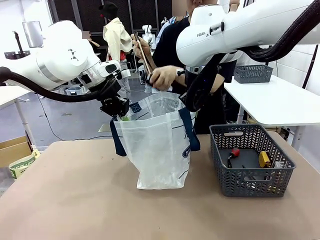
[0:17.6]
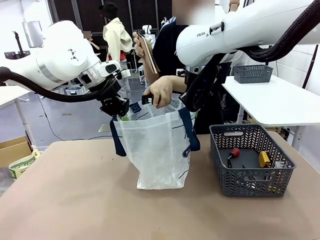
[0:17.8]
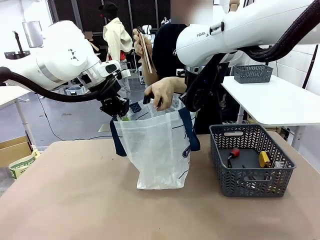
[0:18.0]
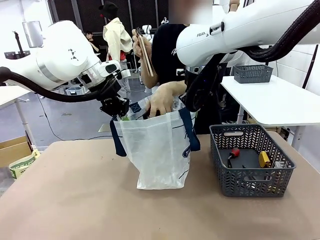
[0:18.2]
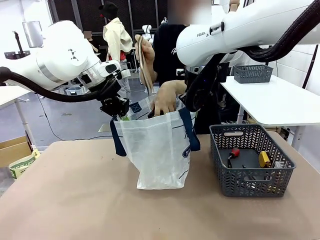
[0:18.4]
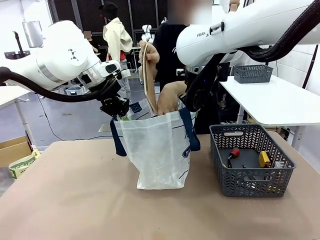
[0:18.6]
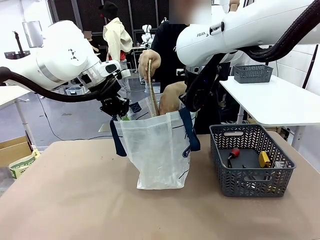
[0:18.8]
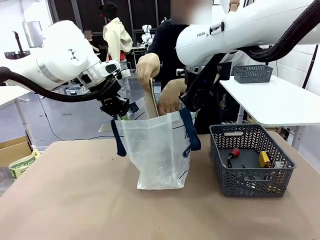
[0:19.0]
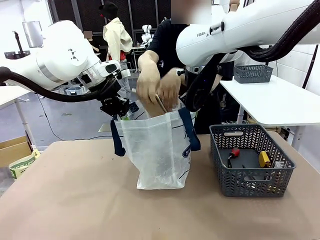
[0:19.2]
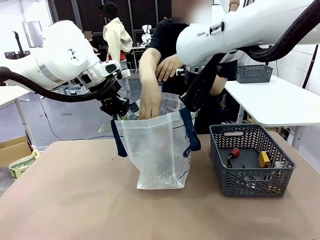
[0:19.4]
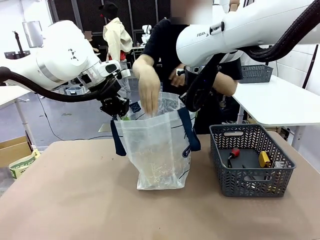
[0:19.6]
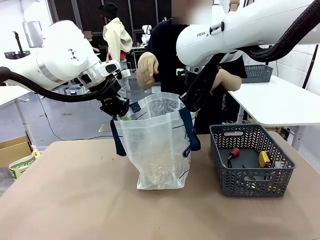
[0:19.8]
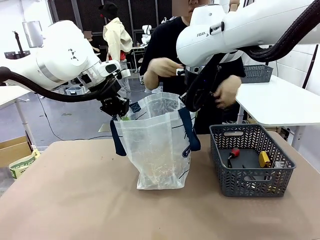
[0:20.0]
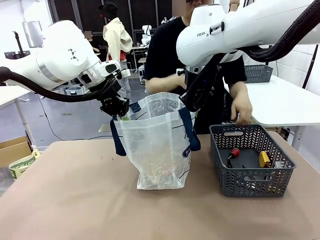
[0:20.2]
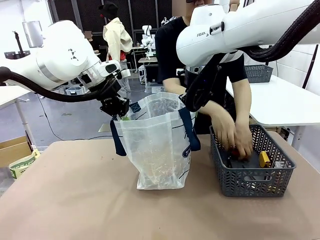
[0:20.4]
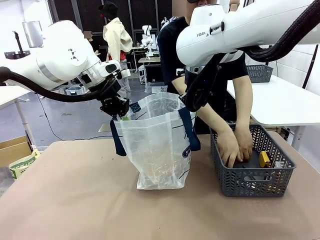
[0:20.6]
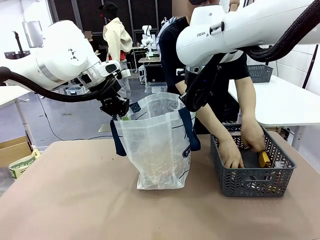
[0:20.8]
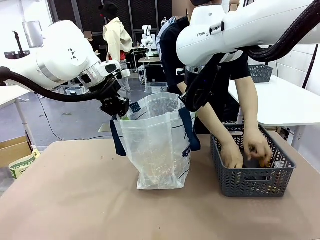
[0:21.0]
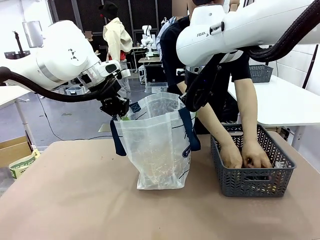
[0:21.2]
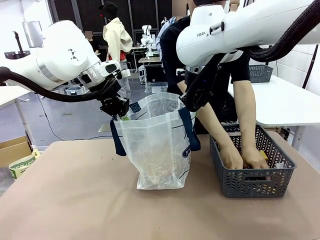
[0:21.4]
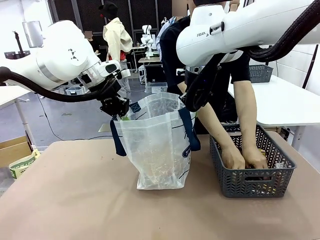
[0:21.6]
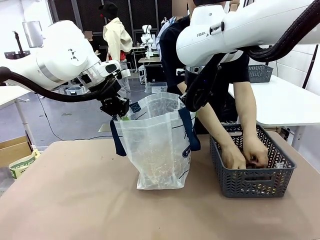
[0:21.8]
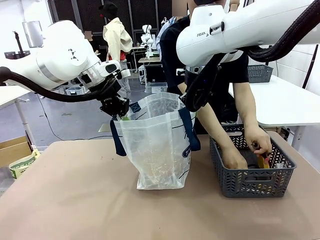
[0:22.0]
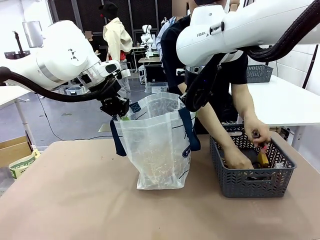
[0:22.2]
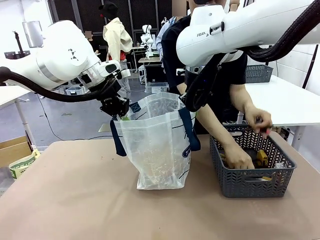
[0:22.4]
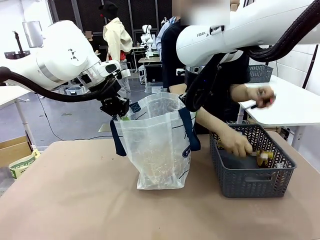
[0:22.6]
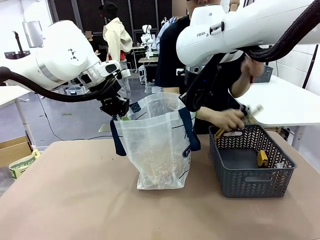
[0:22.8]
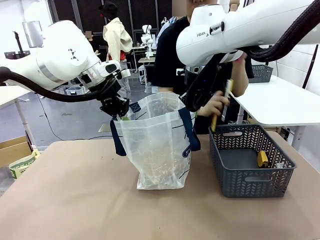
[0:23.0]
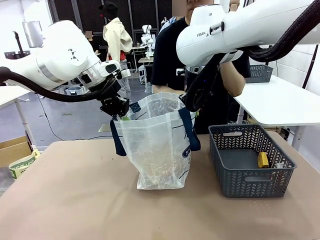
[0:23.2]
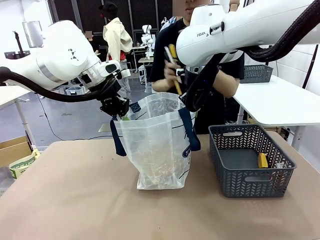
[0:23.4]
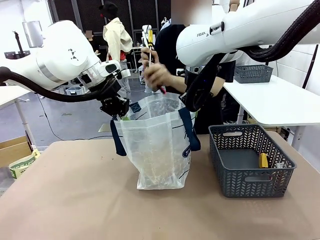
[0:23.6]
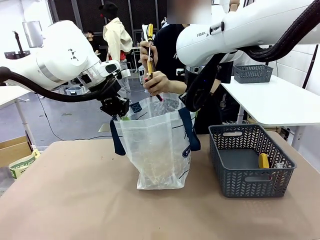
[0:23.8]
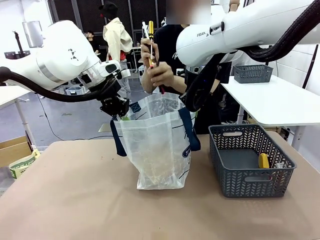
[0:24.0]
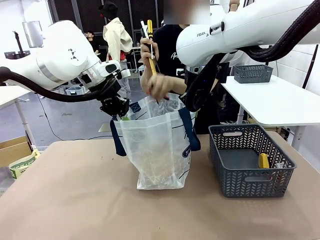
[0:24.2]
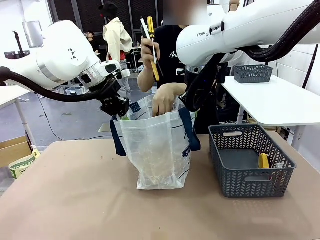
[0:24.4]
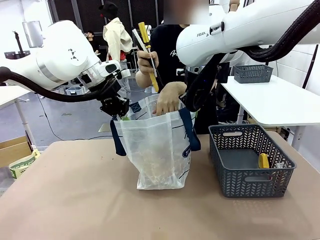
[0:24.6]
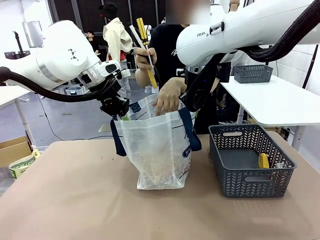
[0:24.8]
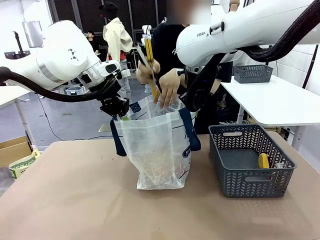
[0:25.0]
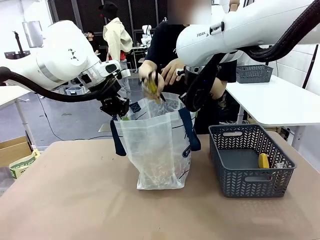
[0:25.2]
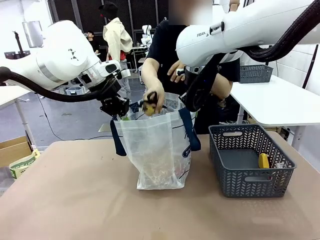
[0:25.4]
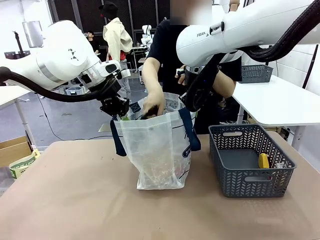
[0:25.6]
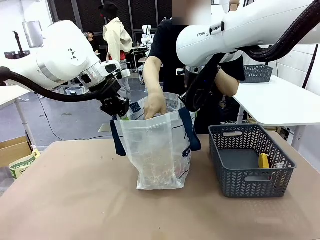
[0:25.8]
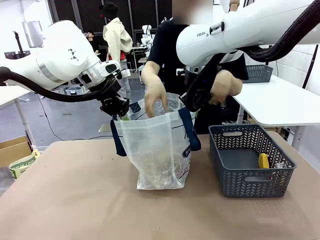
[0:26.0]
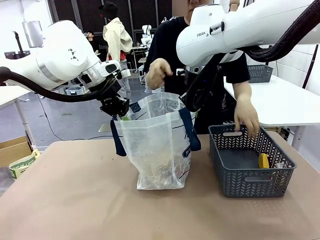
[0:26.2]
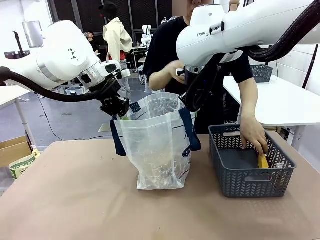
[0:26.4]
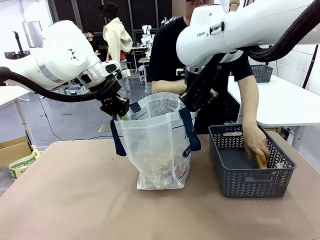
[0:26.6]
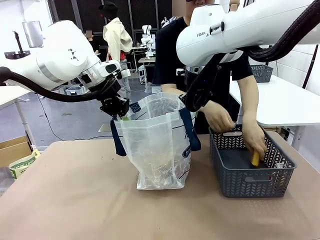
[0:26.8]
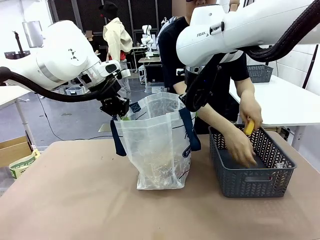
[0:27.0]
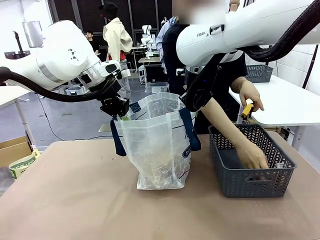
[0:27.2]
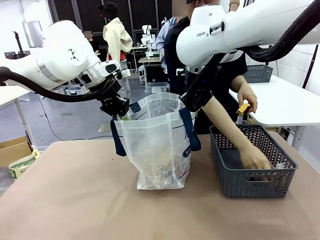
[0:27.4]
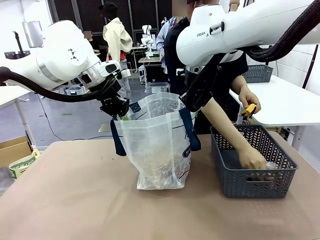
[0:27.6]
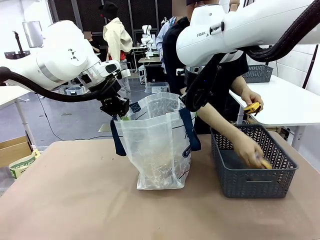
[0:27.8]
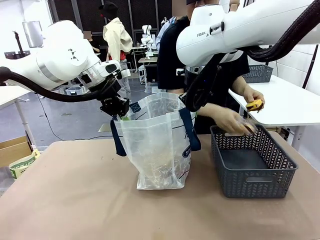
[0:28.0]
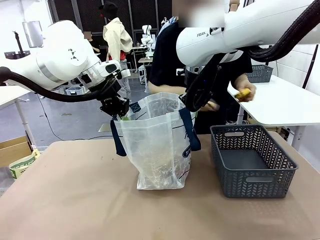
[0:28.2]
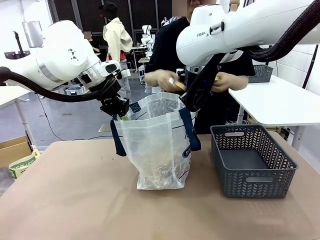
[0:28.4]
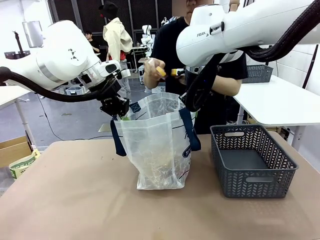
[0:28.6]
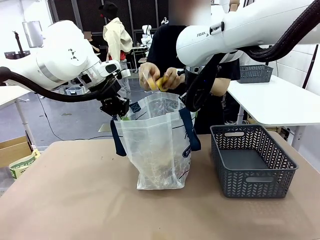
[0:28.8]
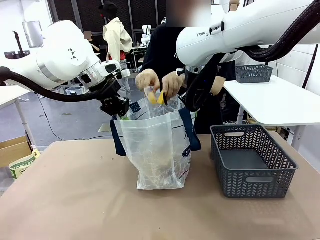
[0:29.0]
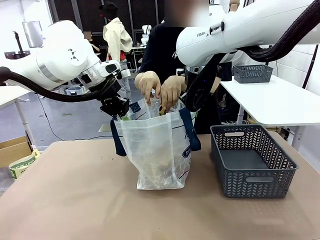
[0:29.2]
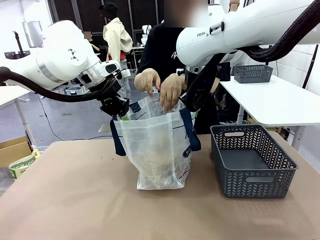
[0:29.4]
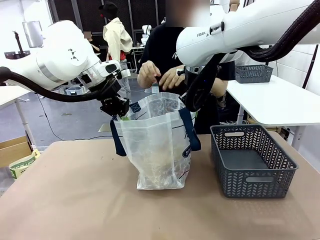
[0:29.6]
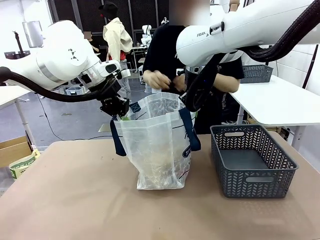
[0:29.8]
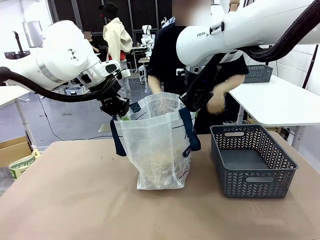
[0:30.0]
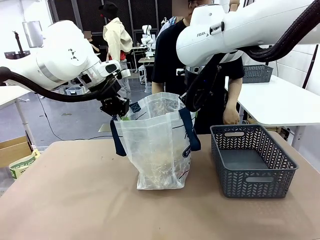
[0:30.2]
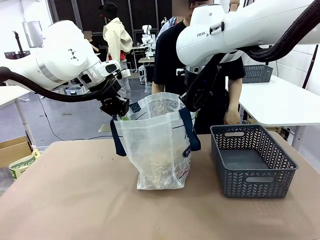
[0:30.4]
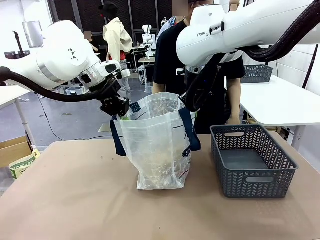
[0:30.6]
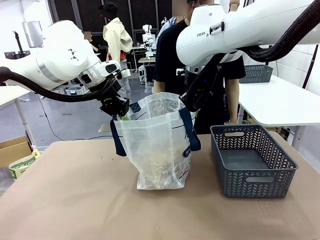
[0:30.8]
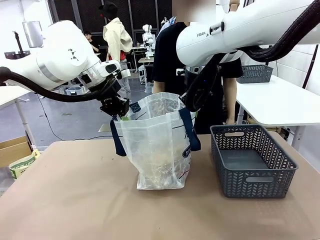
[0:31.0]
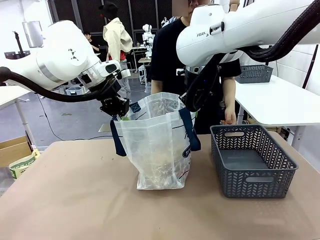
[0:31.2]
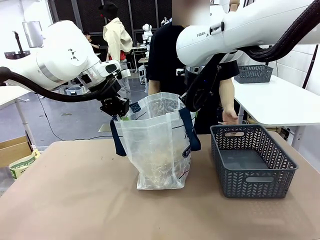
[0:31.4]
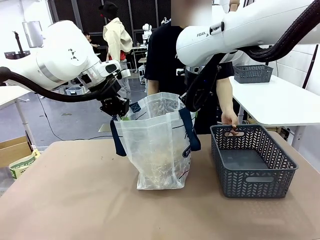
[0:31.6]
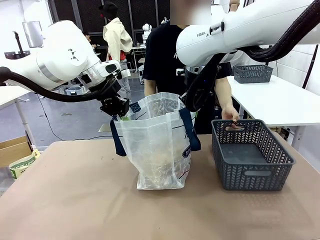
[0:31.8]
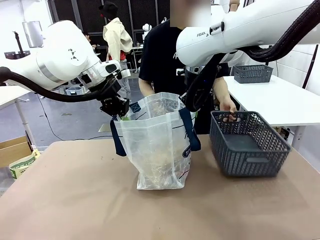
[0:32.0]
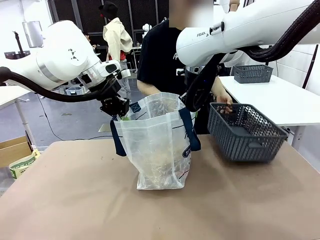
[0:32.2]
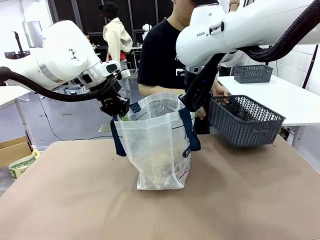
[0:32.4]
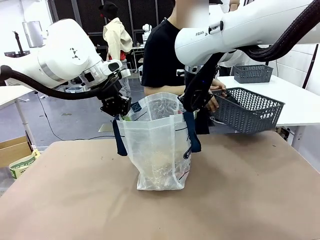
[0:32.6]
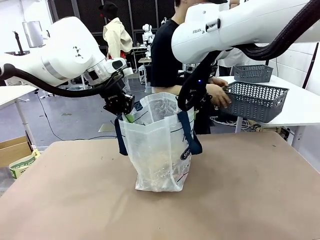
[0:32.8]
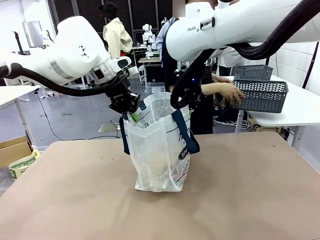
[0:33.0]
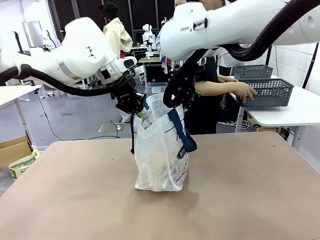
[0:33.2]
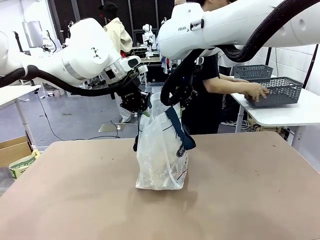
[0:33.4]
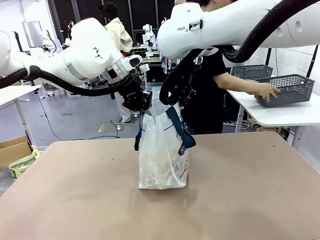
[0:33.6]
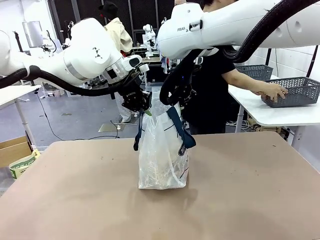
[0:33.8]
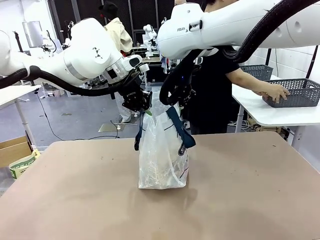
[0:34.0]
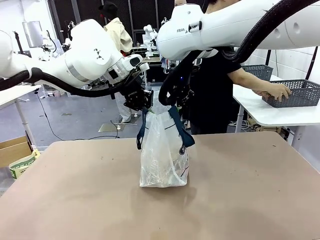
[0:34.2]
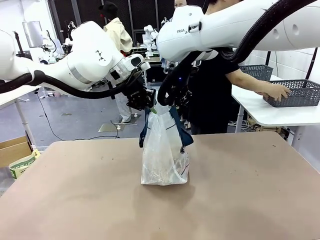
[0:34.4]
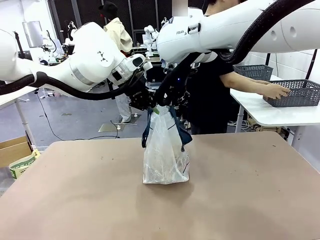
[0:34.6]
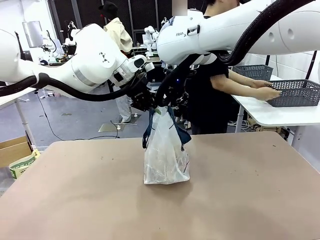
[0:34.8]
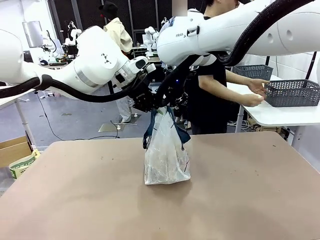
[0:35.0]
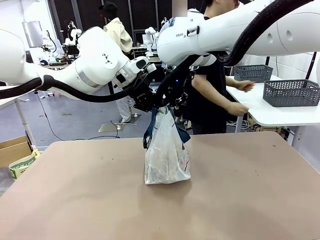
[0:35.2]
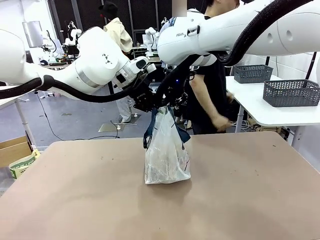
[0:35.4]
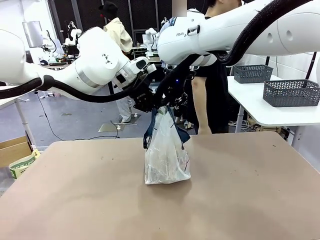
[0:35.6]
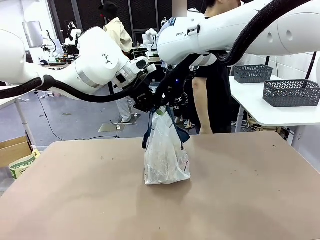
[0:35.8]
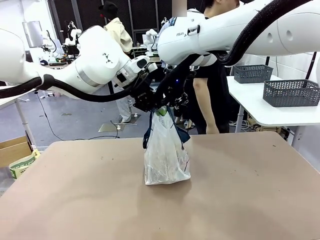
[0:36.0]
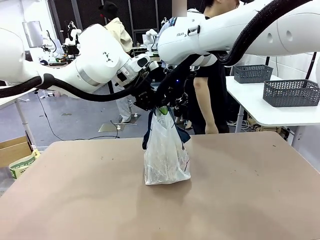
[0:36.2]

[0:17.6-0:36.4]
Task: Transfer purchased items from the store into the shopping bag.
Robot: Move the Reusable shopping bag to the right side of the table.
Person: Pick up the basket on the right, place it on the left side of the robot table, and move the items in the basket to the shopping bag. Pick up the basket with the items out and place it on the right side of the human table.
